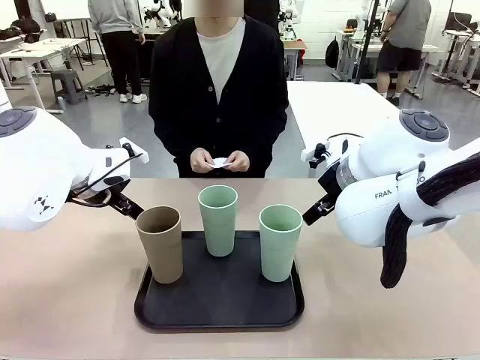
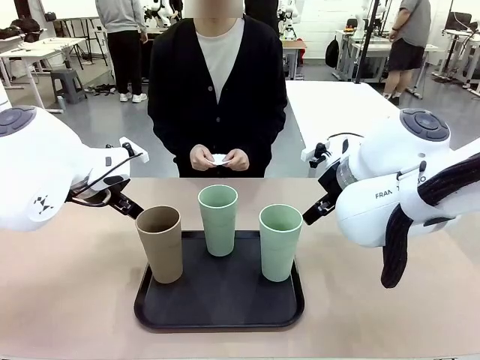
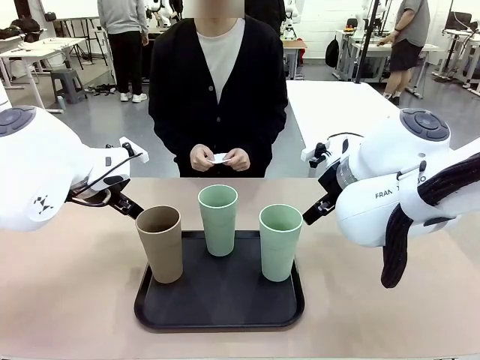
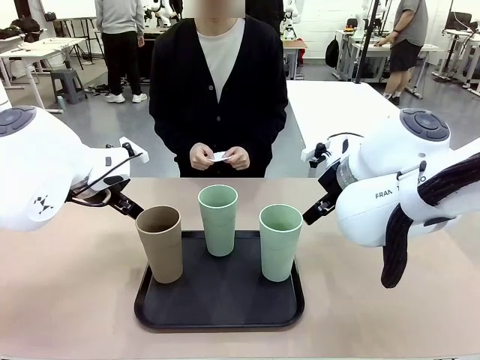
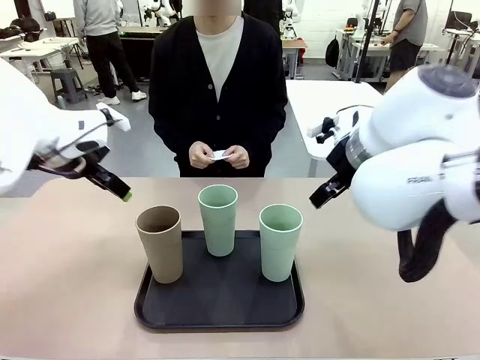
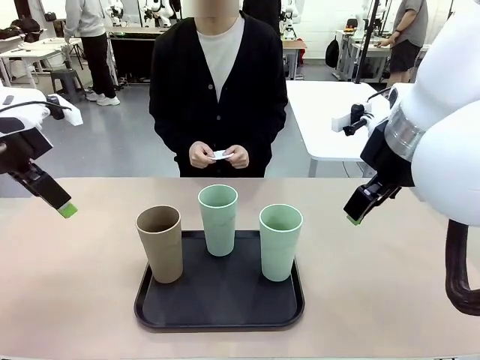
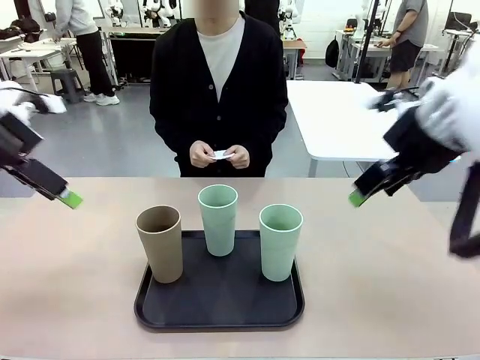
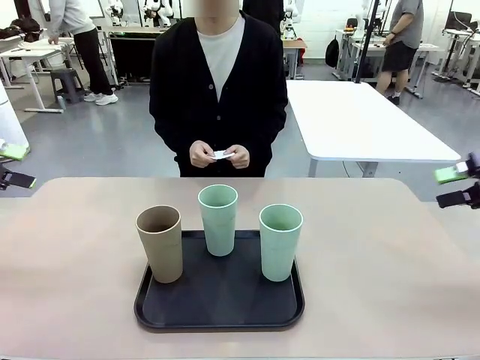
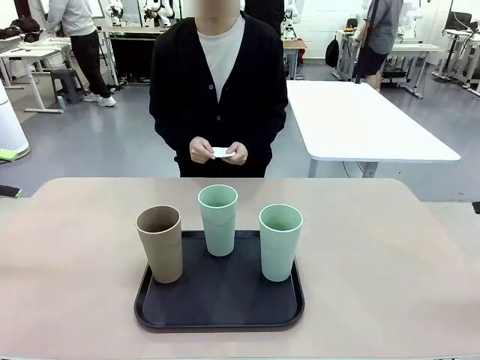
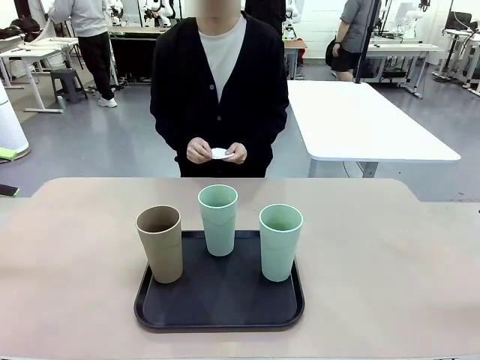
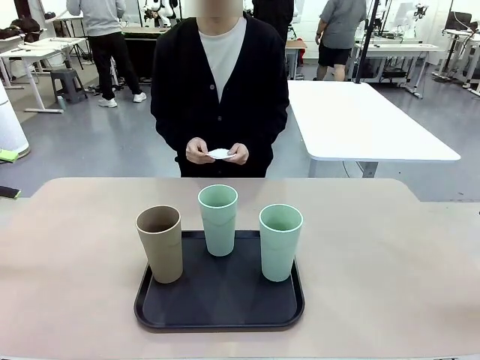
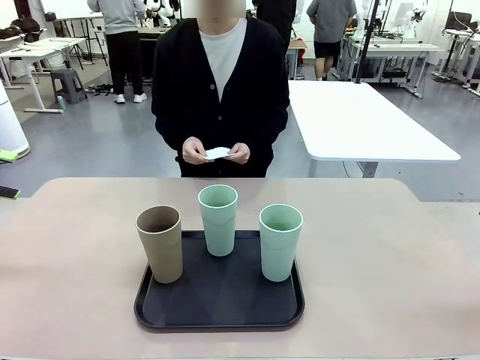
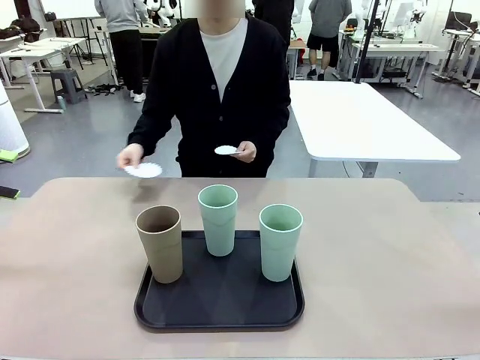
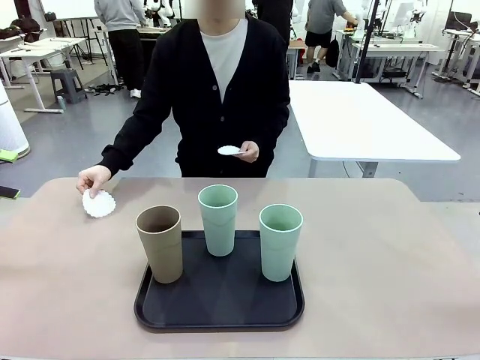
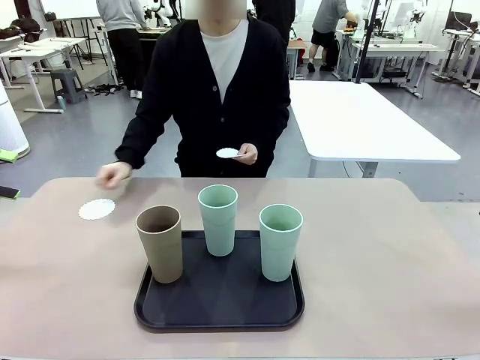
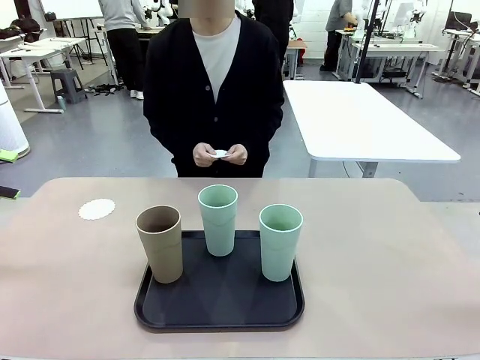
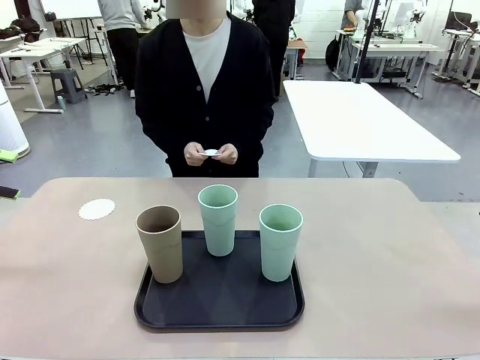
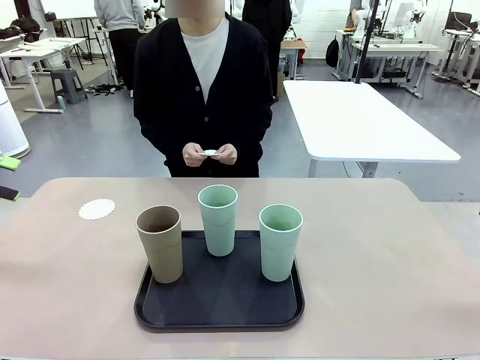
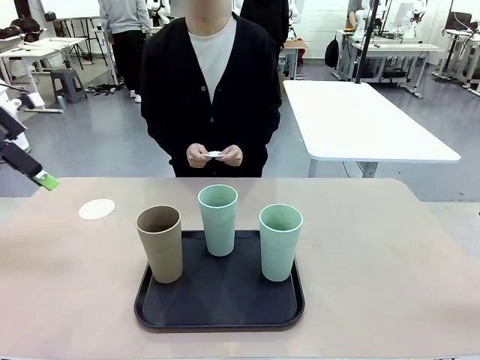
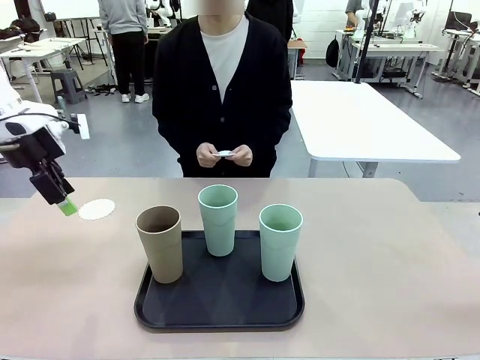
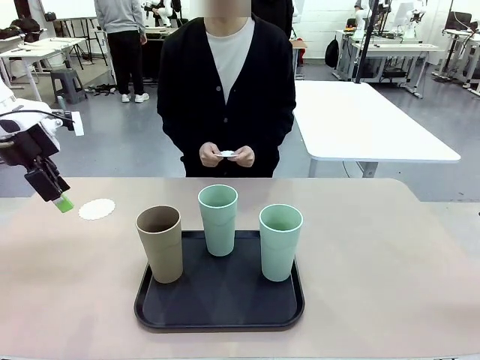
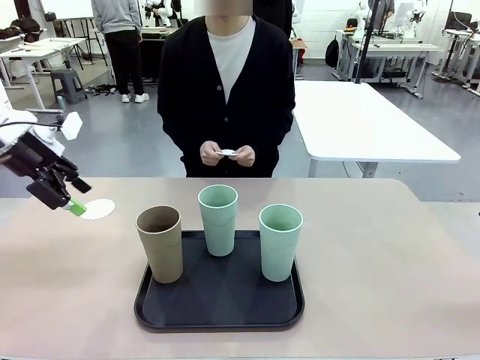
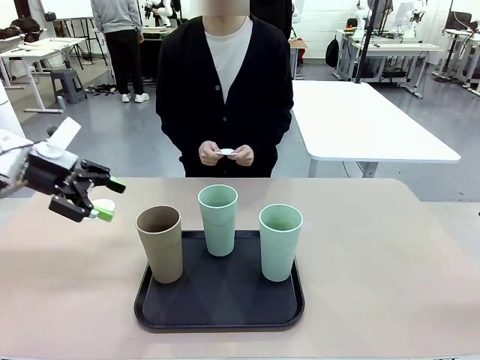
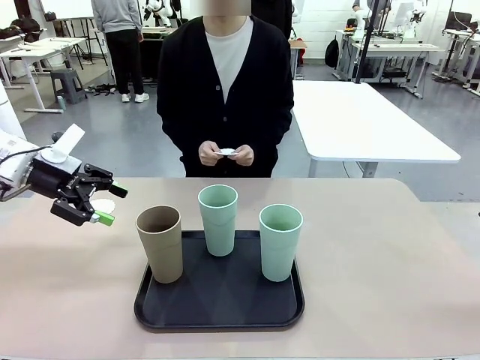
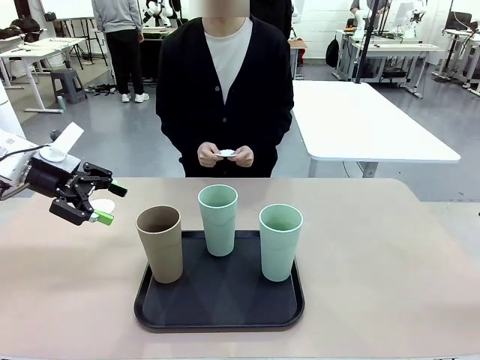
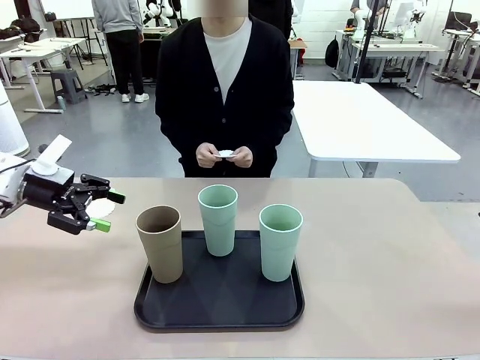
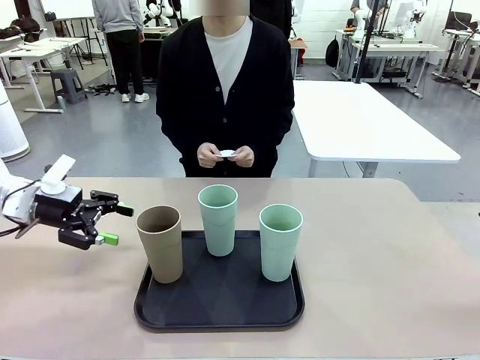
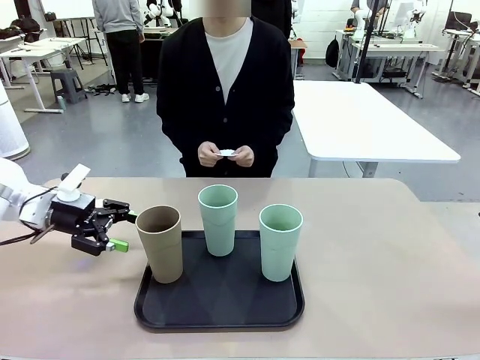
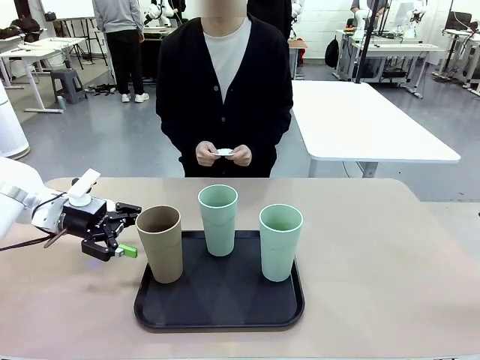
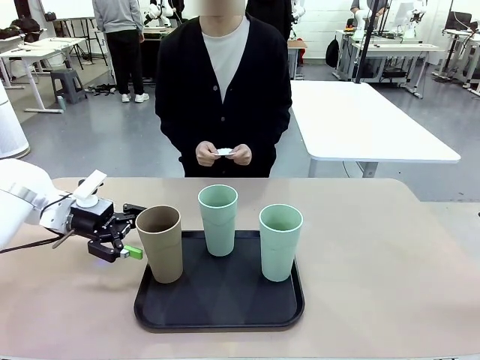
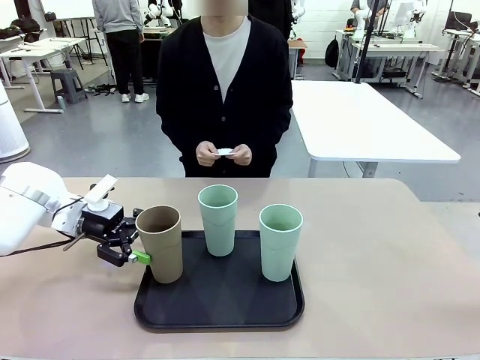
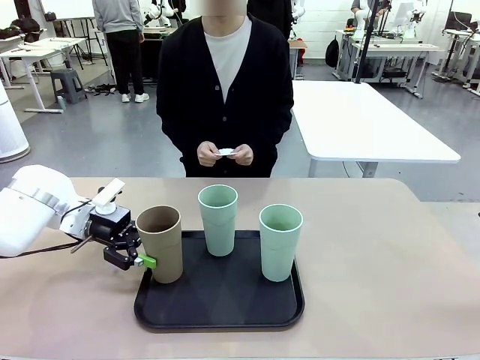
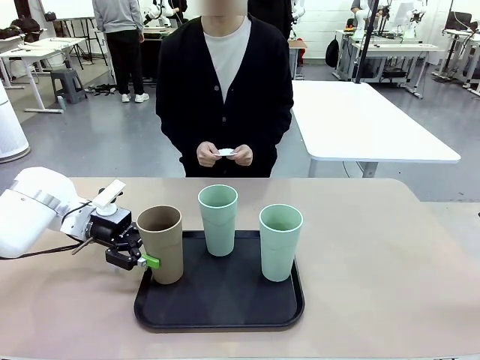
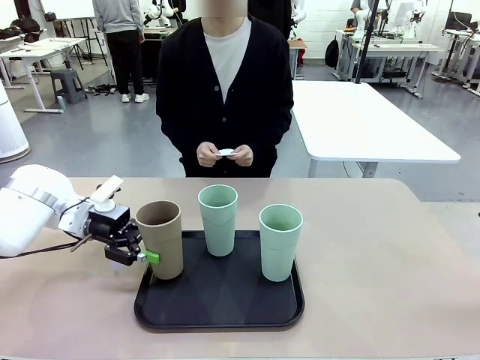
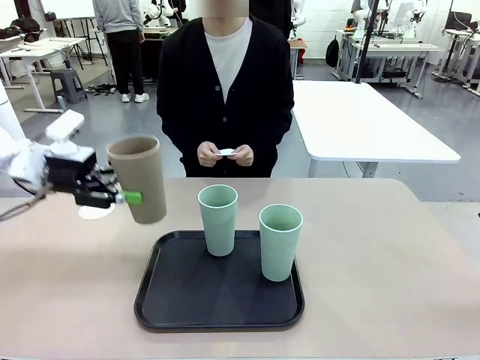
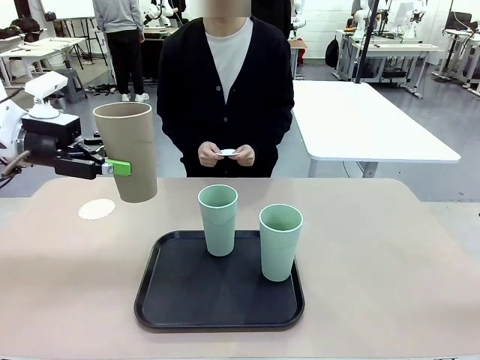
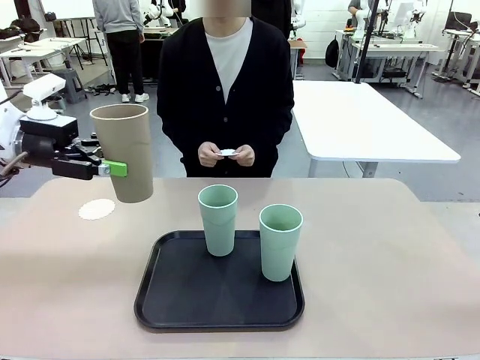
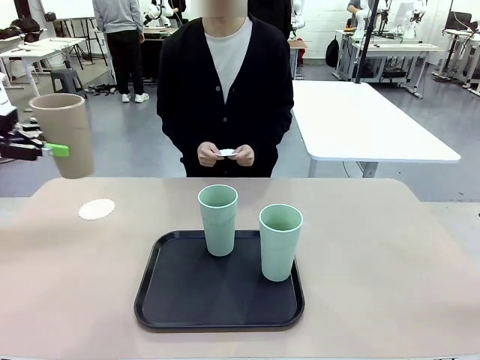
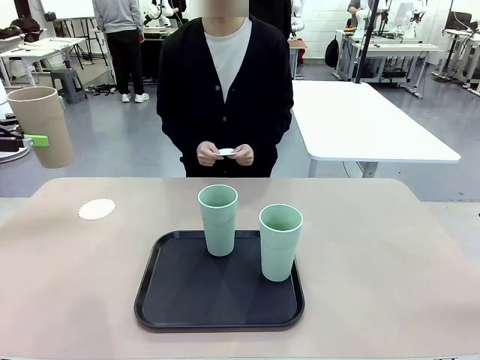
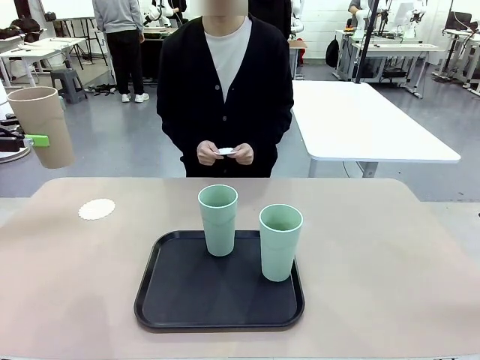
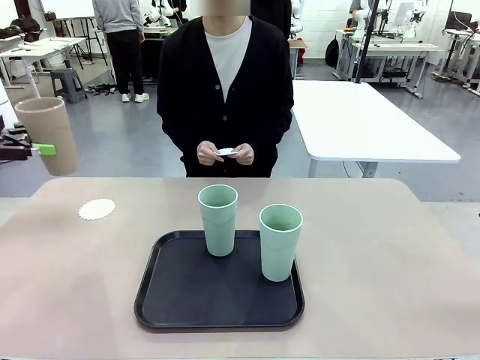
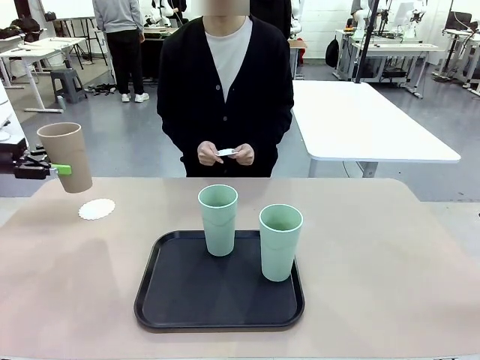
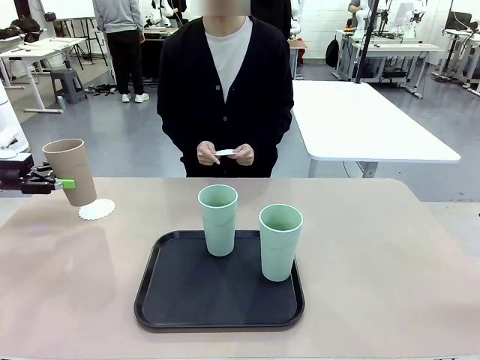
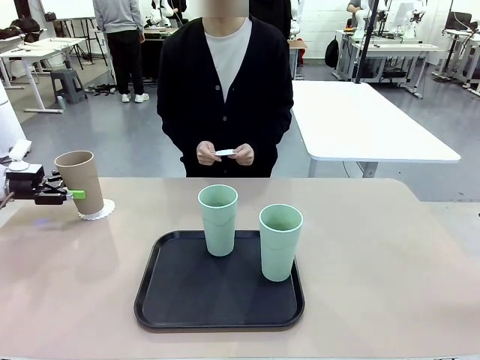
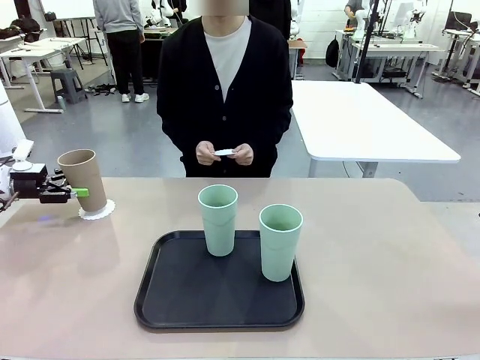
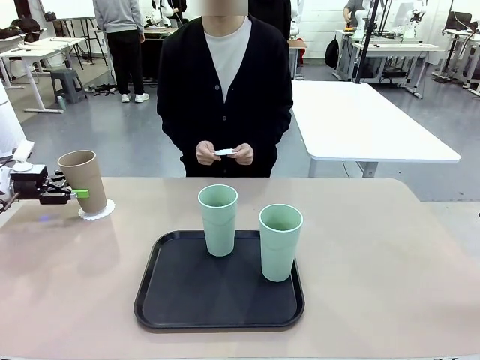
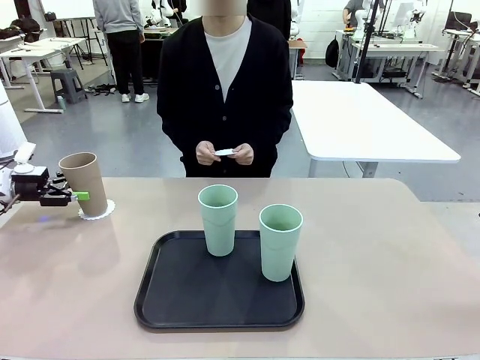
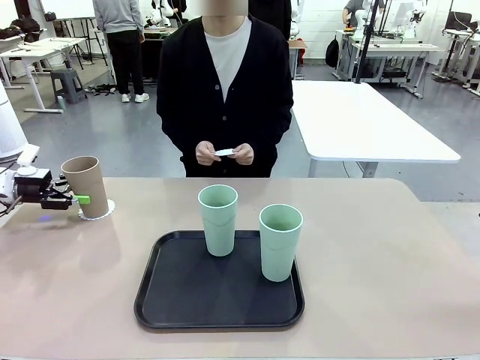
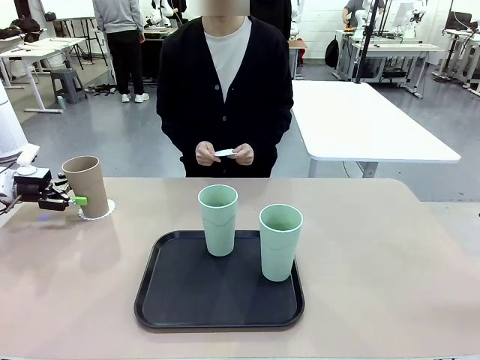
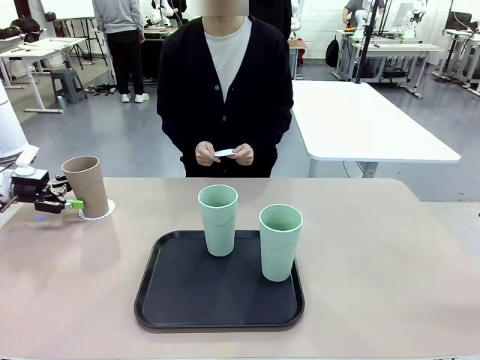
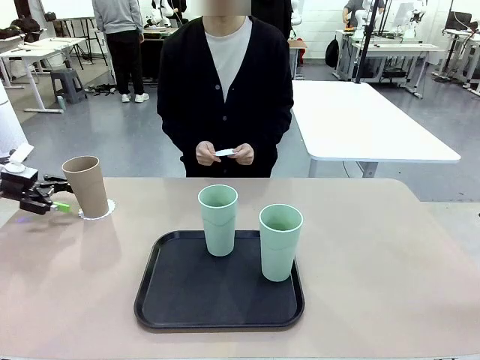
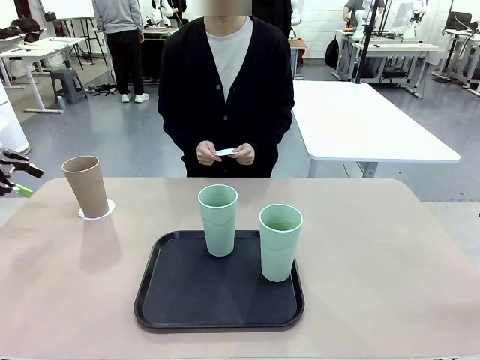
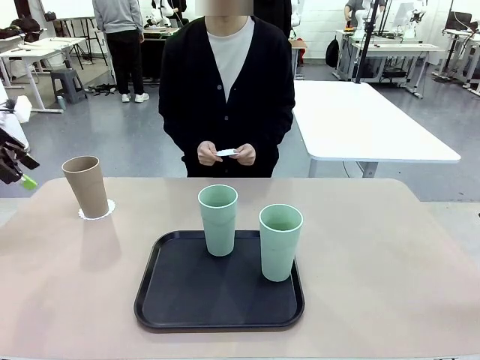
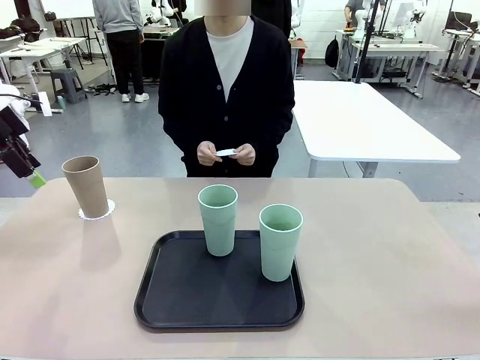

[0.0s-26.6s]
Task: Place coasters on the table and set cups on them.
Robot: Pick up one Reusable plastic cup and place it on a coaster set by the human.
Person: Place one coaster in any one of the three lower areas of the robot table (left, center, or right). Place one coaster in one of the two areas excluding the previously selected area.
